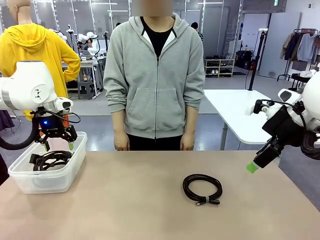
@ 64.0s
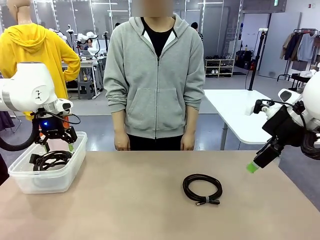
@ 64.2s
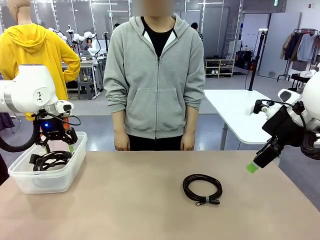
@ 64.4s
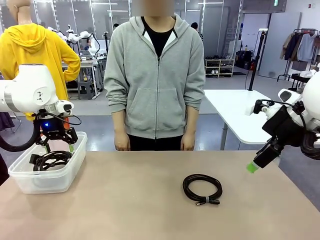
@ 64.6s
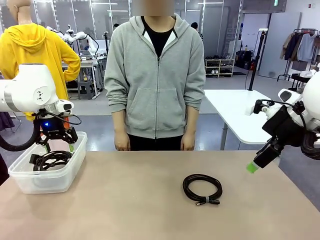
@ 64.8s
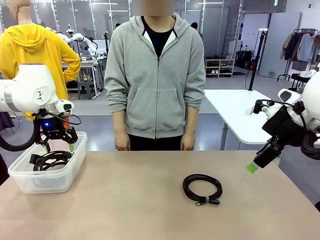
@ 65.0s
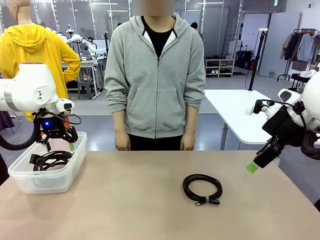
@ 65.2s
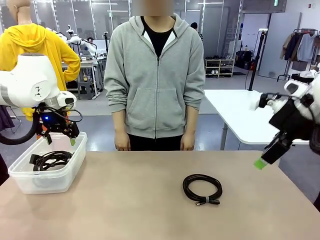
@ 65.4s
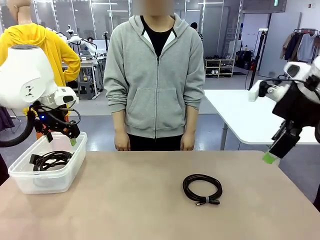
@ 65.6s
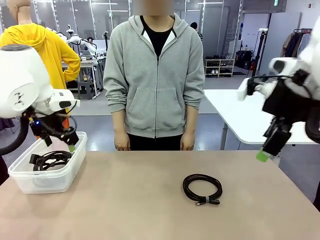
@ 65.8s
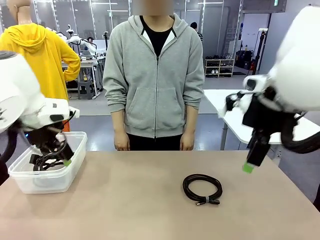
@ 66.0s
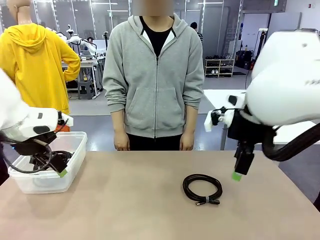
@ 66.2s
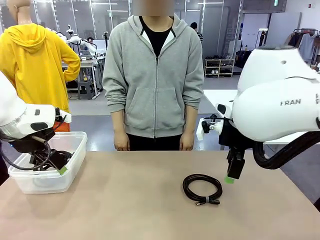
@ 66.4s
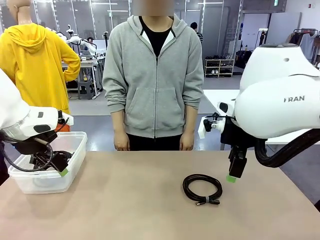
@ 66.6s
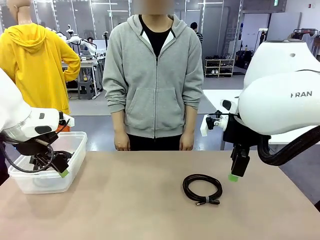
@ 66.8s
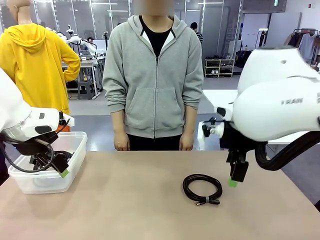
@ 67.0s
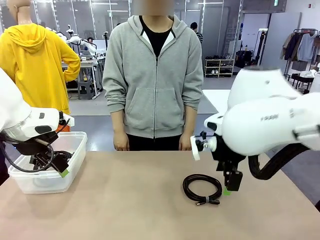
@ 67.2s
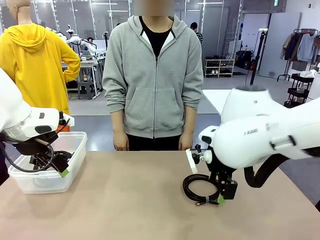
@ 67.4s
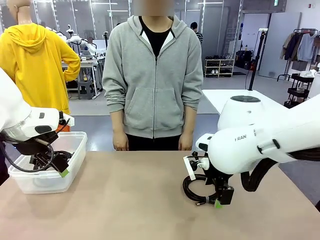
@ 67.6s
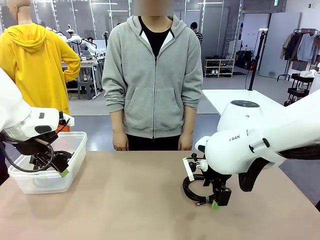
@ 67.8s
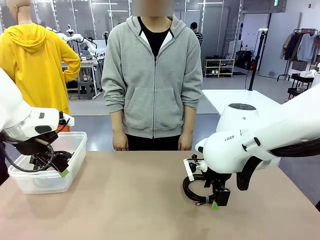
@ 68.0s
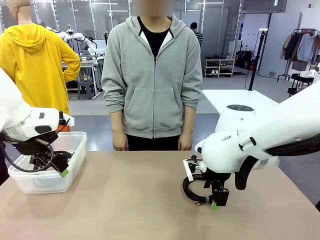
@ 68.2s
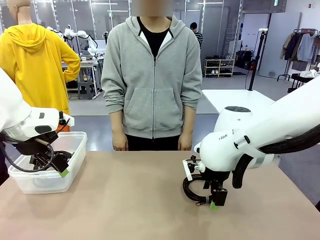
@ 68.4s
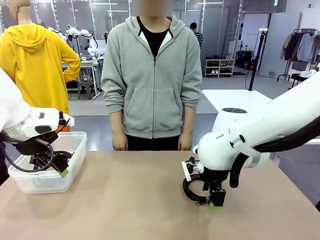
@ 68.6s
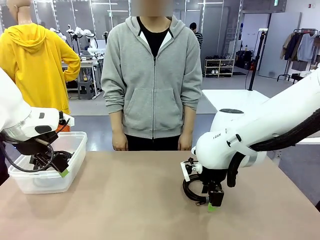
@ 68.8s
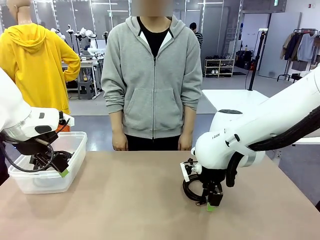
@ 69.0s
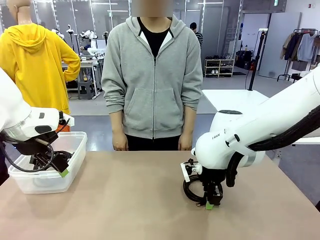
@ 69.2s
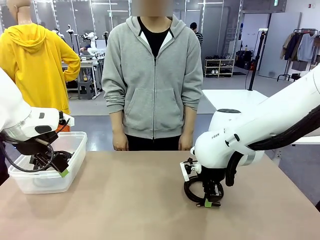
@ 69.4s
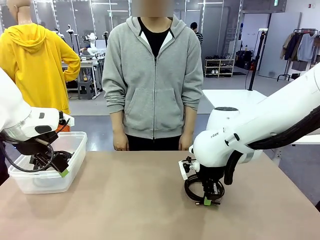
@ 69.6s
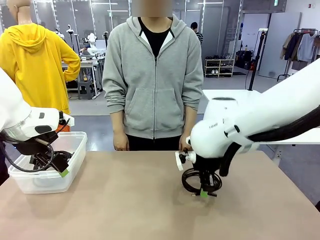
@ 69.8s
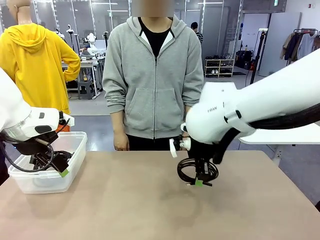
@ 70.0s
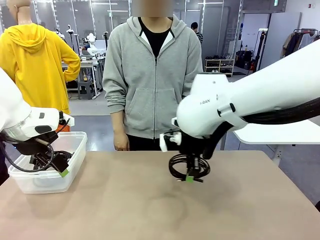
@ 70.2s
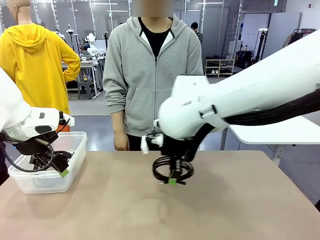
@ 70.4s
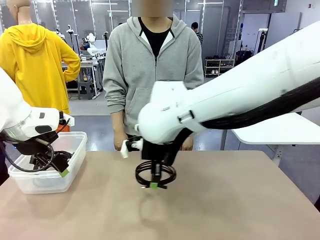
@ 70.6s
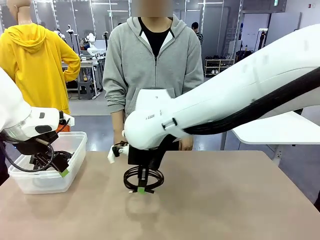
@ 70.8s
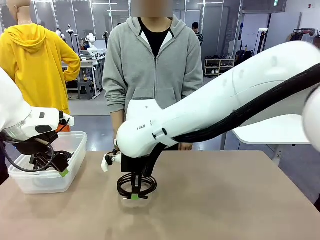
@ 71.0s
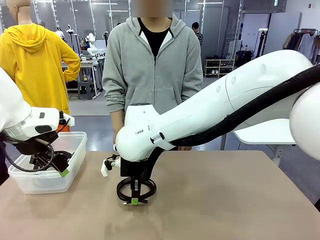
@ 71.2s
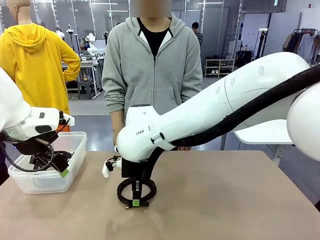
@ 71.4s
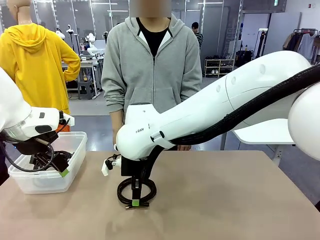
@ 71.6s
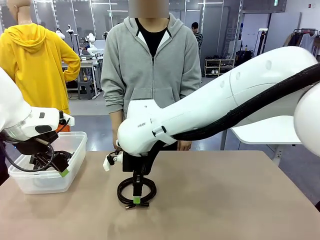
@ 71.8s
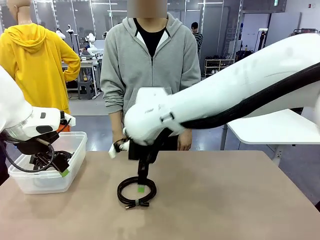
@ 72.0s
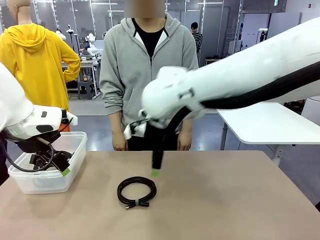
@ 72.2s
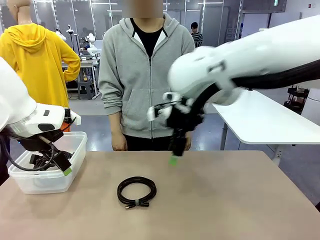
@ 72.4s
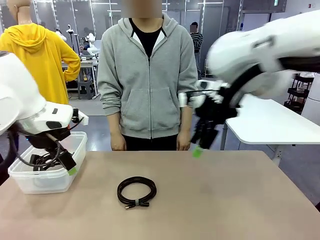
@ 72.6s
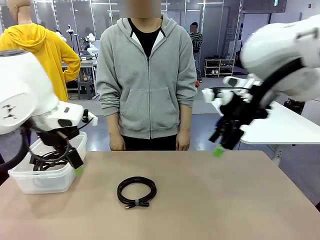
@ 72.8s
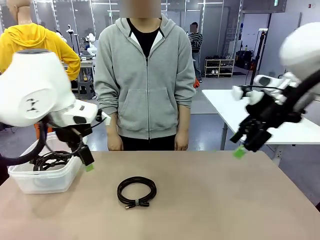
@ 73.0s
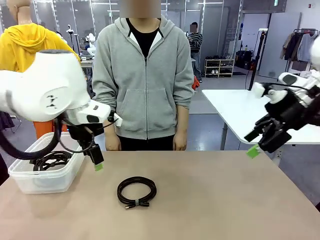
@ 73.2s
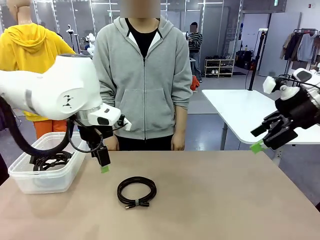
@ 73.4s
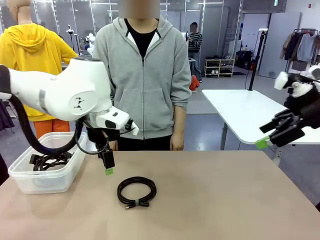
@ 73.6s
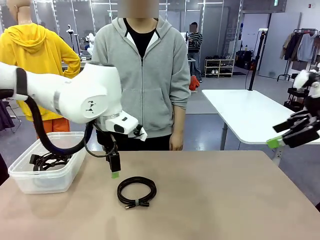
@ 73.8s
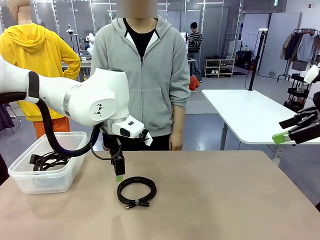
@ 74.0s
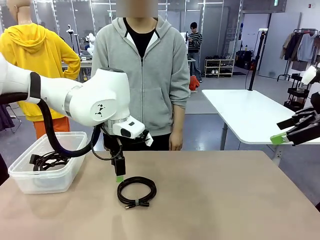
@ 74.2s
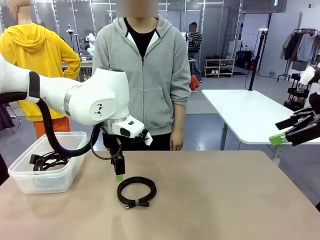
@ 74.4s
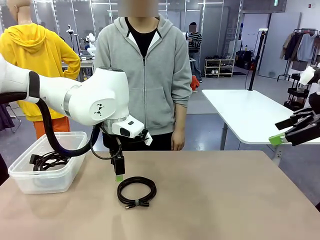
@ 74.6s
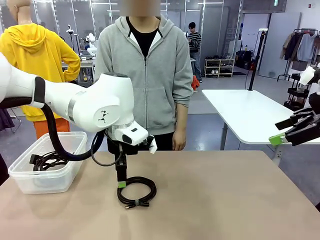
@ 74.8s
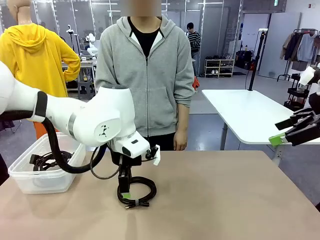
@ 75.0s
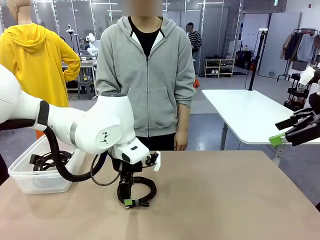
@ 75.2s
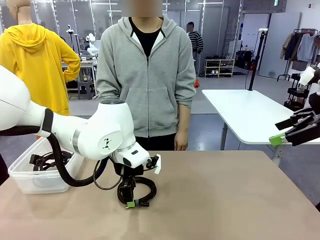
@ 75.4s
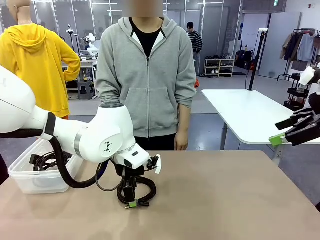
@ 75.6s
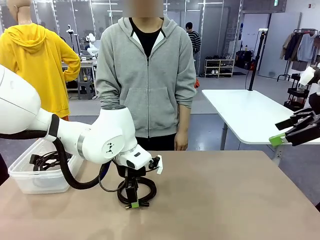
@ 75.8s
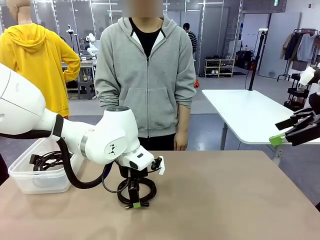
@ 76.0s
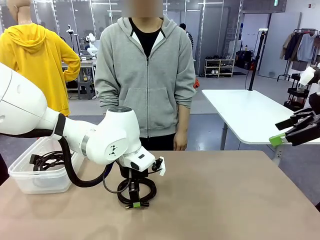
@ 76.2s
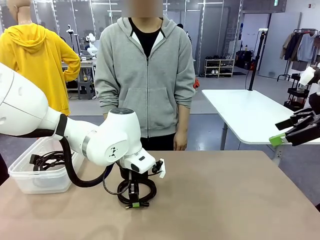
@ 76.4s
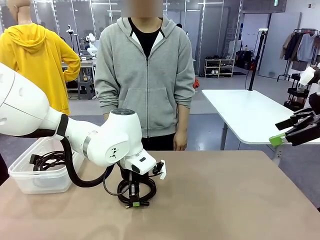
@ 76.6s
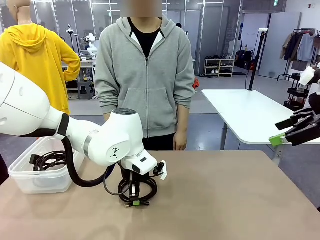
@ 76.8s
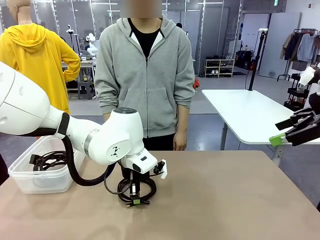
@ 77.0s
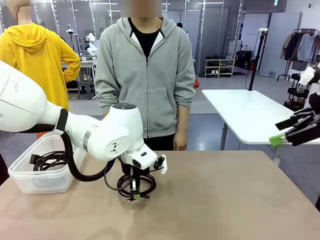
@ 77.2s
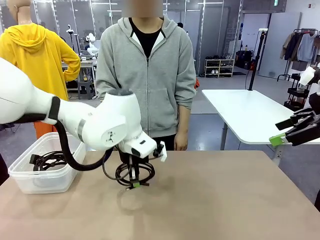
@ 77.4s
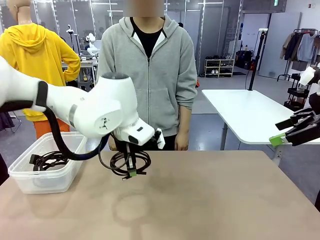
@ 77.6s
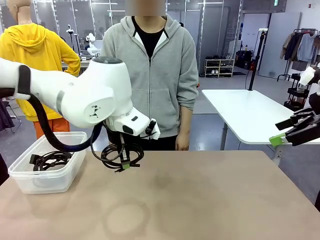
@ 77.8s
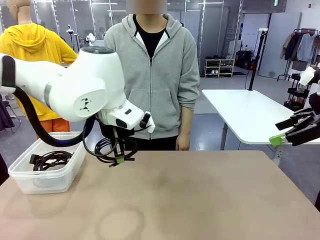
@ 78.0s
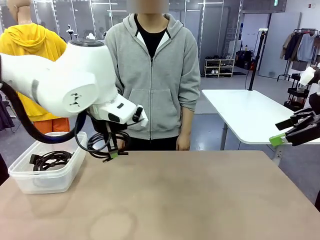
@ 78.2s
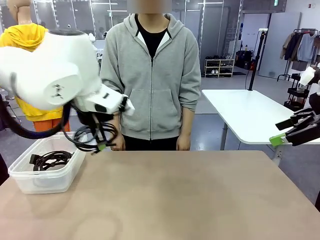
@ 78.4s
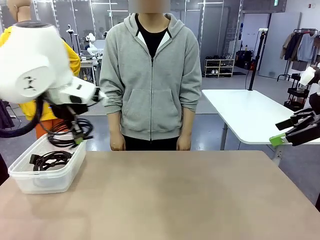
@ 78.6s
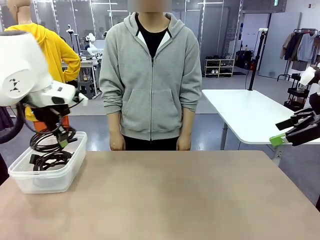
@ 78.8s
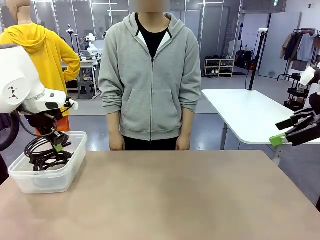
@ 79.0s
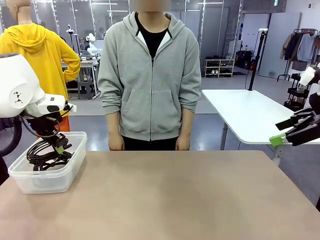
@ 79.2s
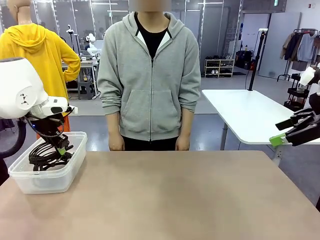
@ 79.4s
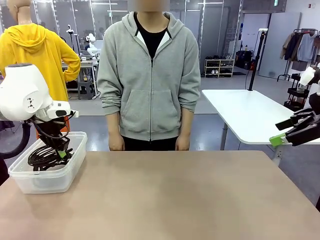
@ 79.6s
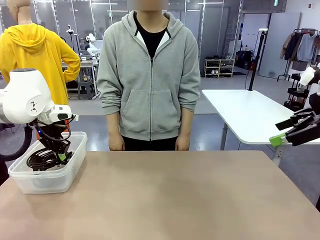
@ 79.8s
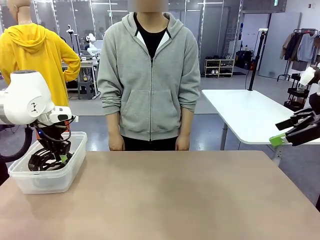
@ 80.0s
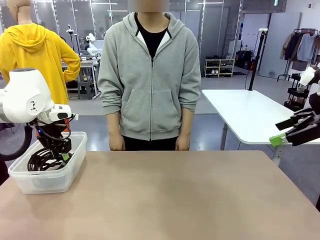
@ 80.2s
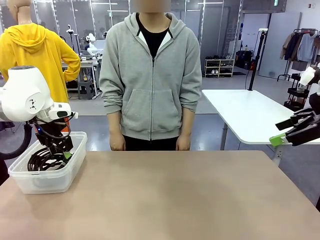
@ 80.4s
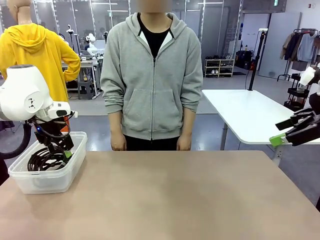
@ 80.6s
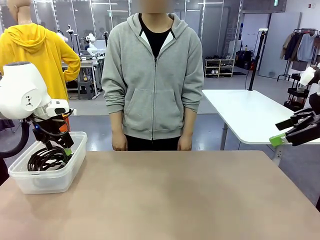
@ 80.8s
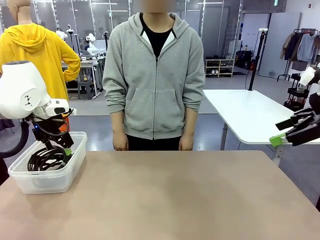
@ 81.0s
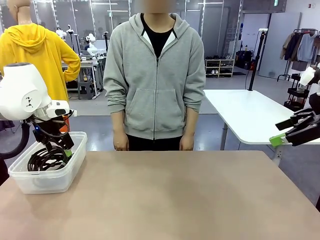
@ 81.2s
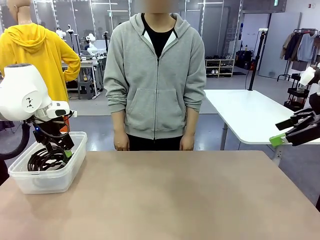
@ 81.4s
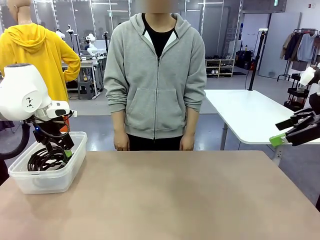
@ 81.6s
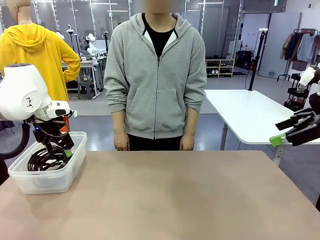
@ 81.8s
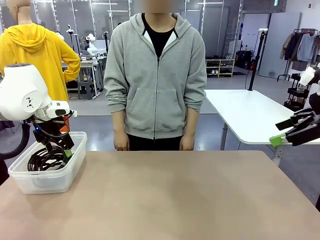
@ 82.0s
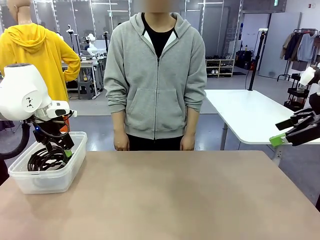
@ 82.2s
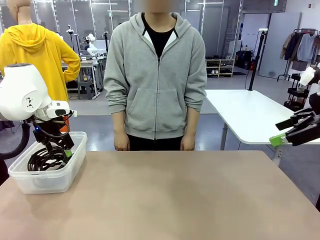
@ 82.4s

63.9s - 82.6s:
Task: Organize and store the cables.
Robot: Place the USB Extension Cable into the Organizing box.
